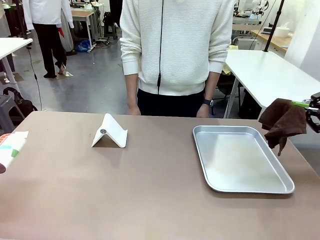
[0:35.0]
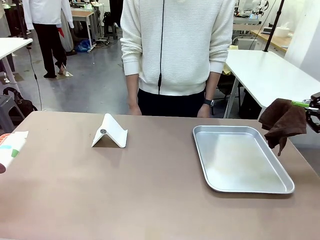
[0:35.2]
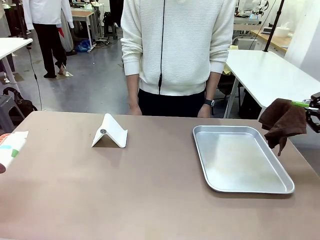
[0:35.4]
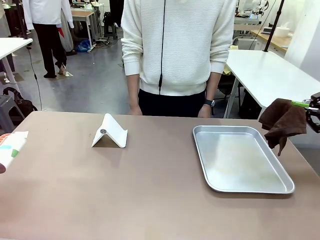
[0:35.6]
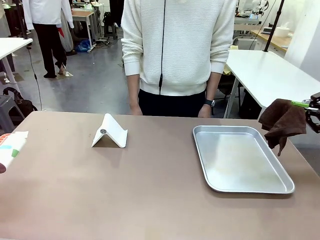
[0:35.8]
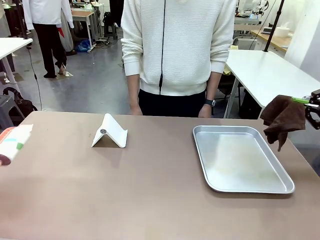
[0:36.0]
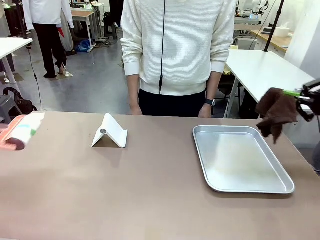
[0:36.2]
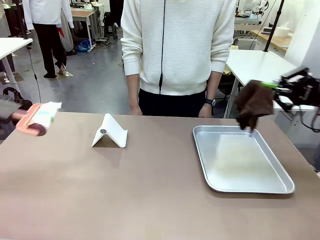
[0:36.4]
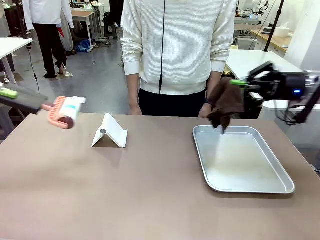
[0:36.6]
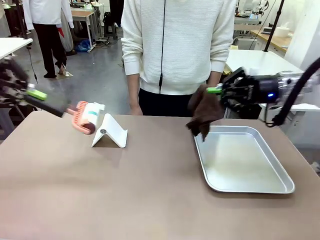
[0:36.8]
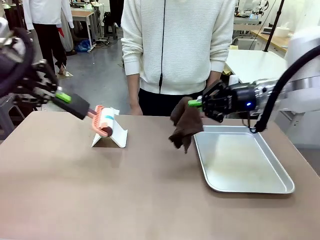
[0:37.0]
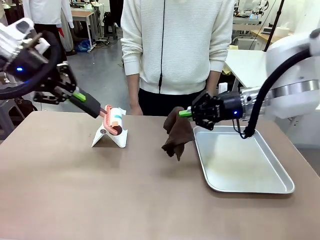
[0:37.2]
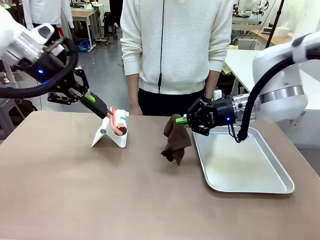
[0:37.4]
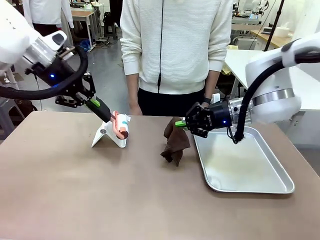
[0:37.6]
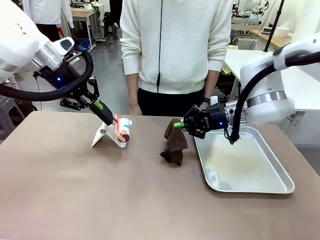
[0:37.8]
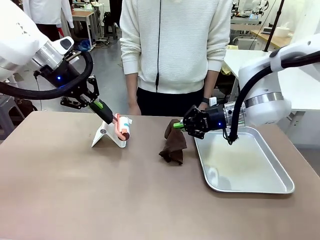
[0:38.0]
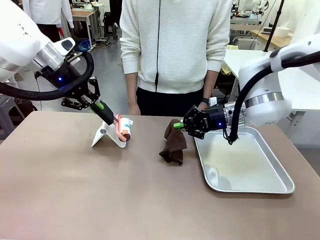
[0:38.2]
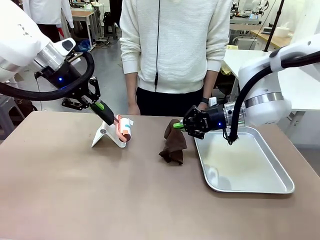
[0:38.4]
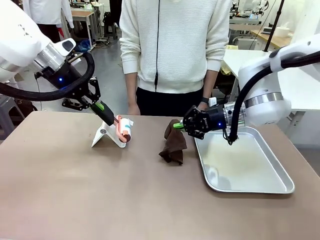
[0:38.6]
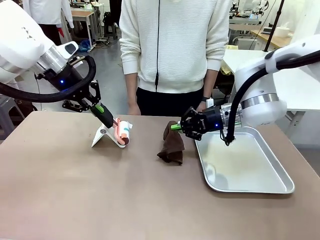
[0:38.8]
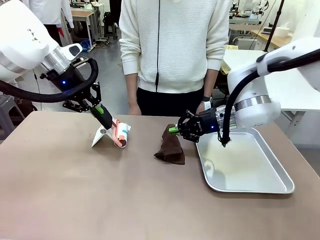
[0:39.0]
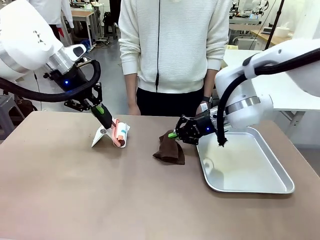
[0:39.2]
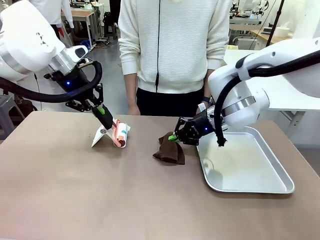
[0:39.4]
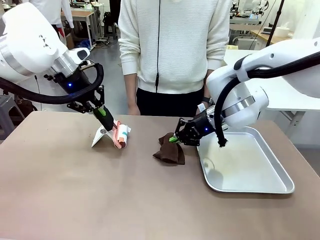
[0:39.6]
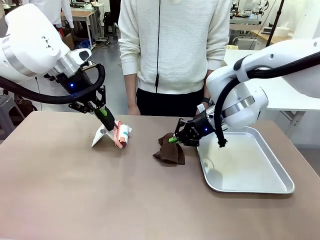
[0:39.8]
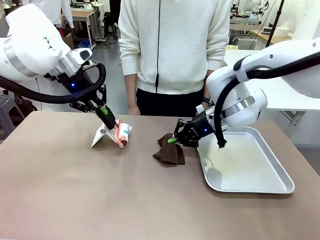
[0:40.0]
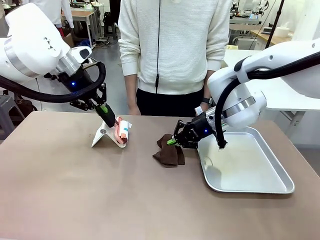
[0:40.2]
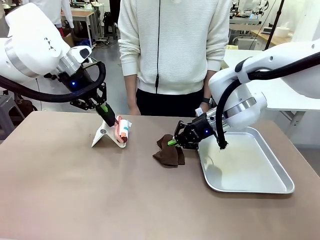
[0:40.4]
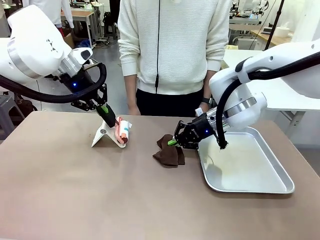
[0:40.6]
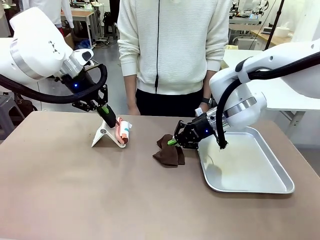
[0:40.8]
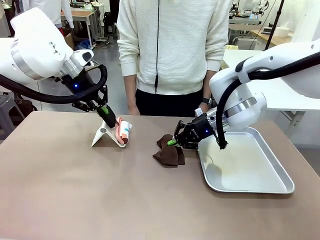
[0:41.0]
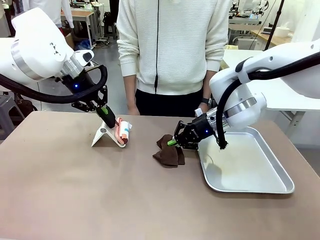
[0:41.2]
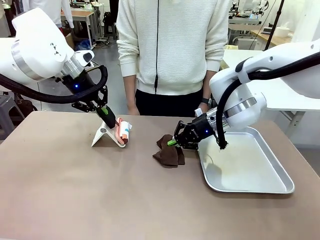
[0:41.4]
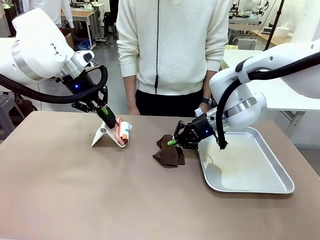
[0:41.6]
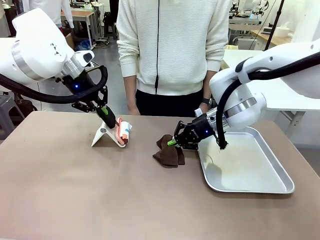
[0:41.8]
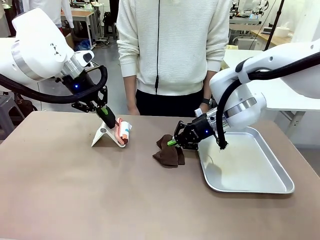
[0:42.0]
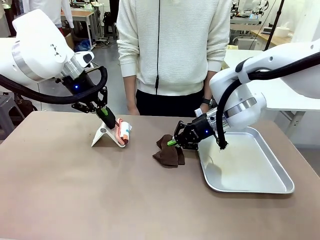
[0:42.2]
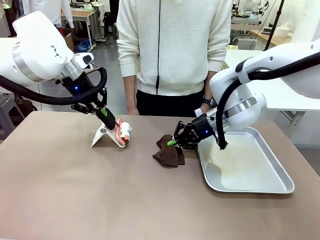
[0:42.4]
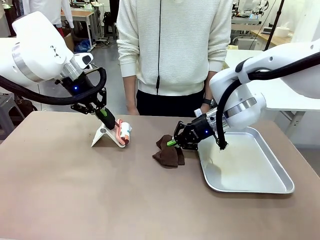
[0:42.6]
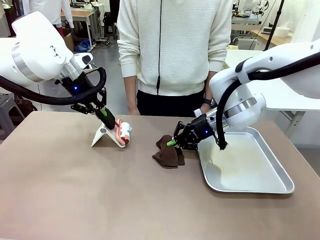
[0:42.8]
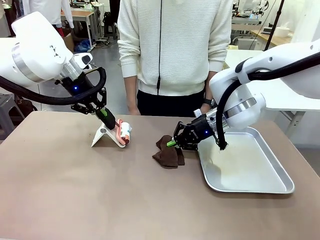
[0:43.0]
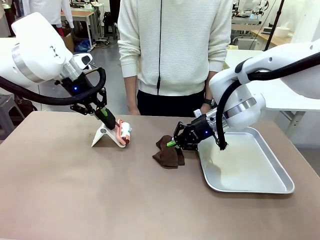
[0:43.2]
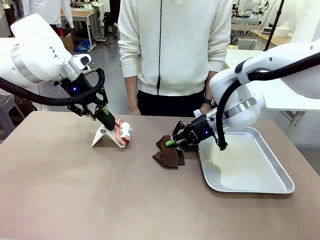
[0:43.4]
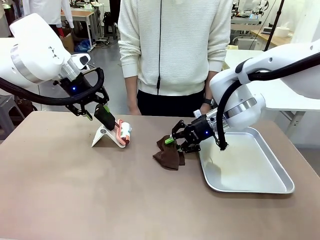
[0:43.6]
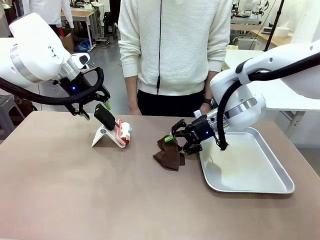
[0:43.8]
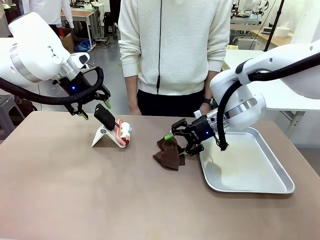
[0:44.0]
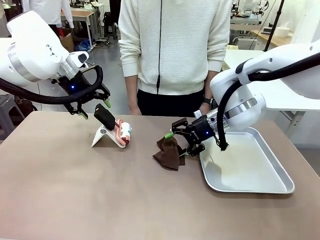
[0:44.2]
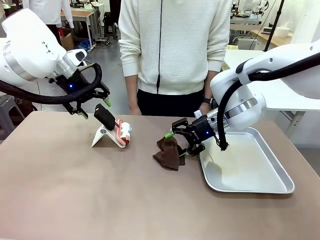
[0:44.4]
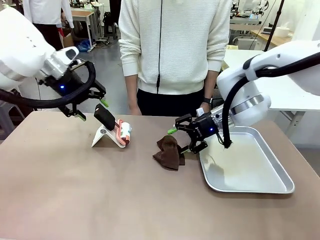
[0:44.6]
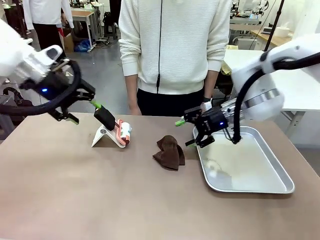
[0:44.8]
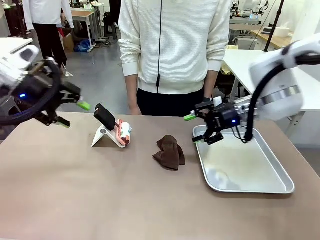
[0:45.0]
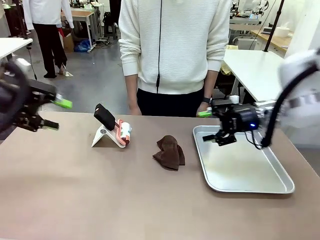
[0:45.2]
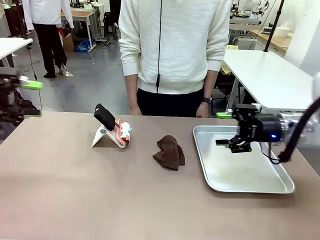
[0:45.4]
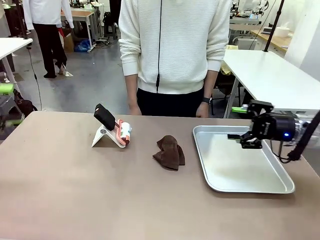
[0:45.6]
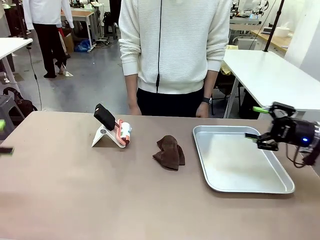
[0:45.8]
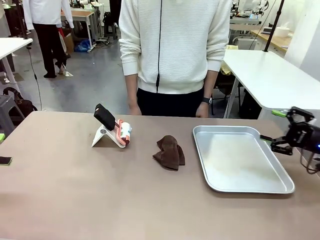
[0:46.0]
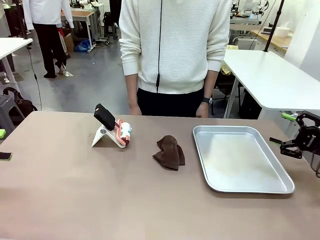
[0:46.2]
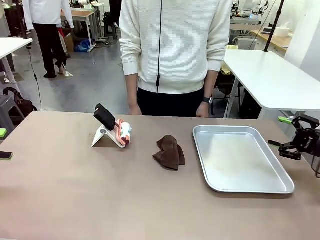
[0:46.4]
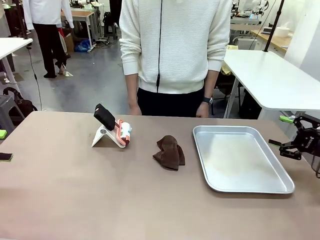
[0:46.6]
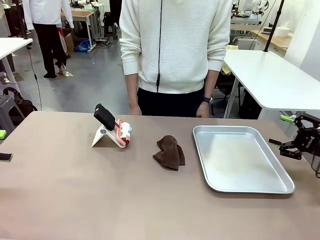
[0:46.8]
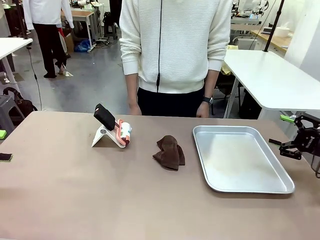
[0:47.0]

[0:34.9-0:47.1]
Task: Clean the surface of the table.
Robot: Return the Lint Roller and towel to their original positions.

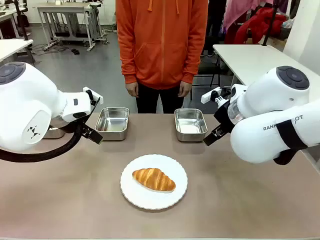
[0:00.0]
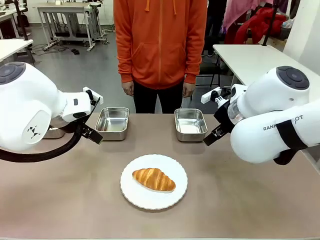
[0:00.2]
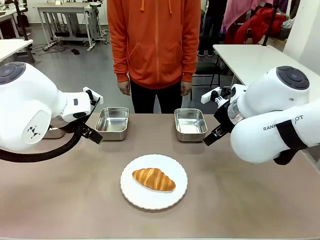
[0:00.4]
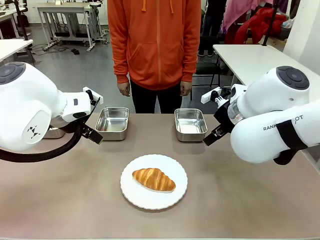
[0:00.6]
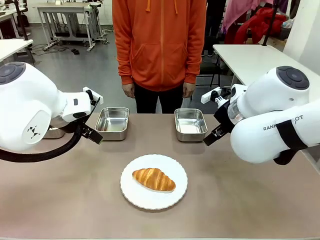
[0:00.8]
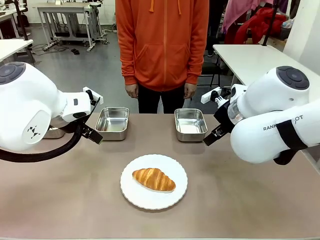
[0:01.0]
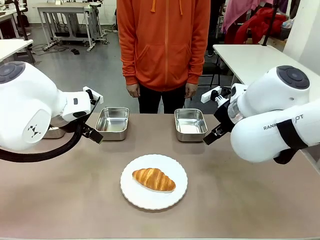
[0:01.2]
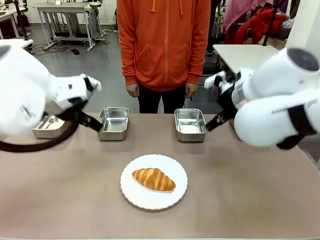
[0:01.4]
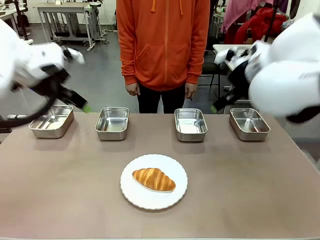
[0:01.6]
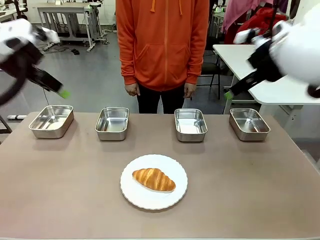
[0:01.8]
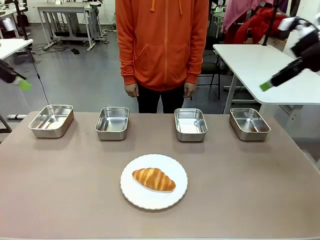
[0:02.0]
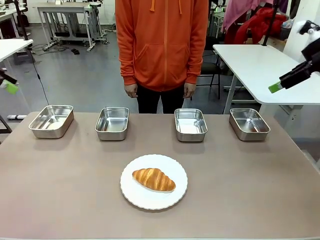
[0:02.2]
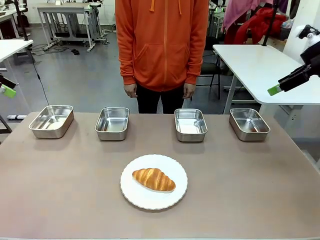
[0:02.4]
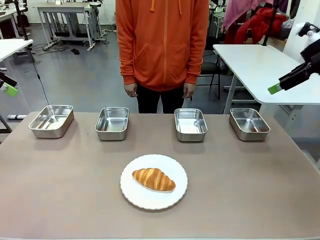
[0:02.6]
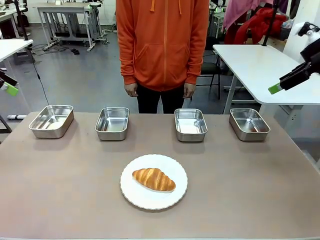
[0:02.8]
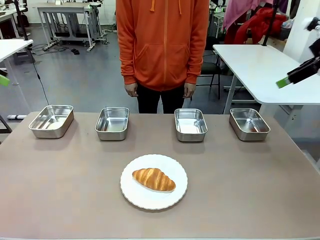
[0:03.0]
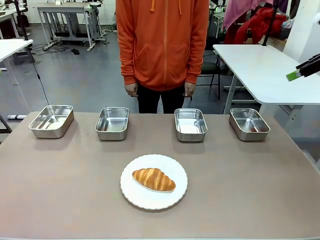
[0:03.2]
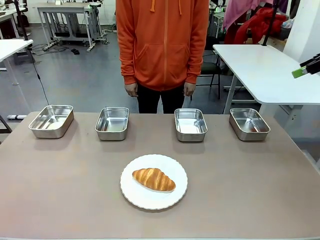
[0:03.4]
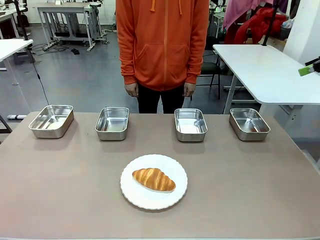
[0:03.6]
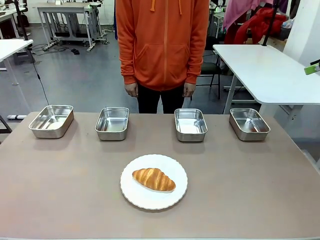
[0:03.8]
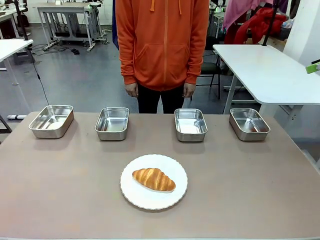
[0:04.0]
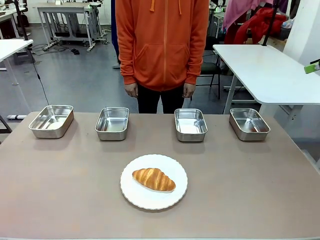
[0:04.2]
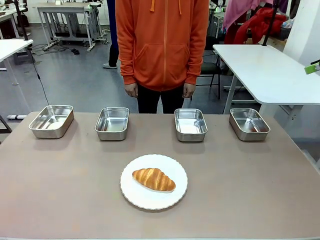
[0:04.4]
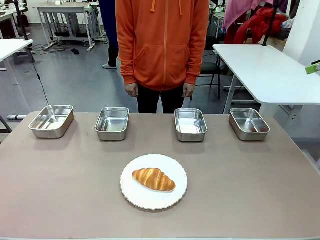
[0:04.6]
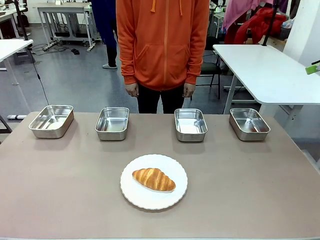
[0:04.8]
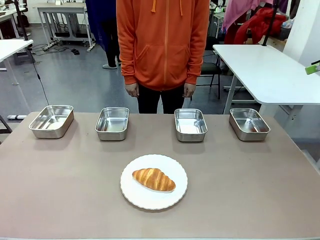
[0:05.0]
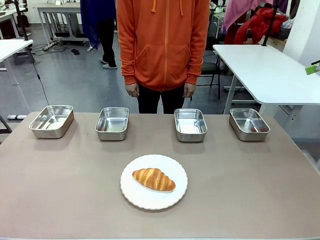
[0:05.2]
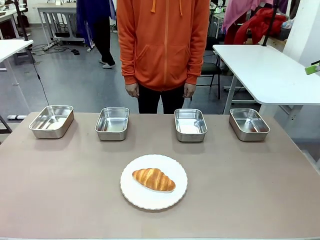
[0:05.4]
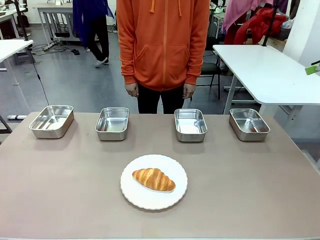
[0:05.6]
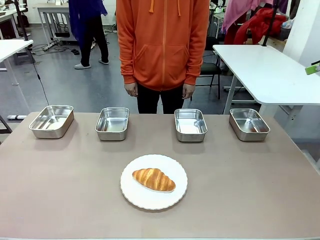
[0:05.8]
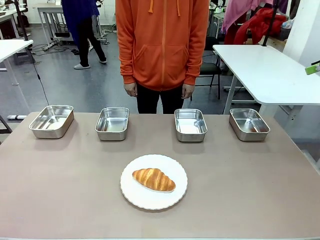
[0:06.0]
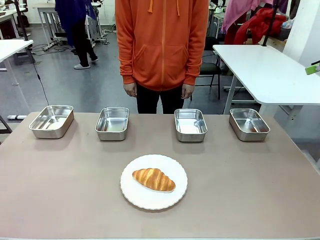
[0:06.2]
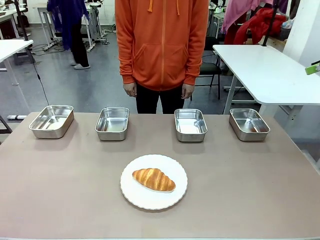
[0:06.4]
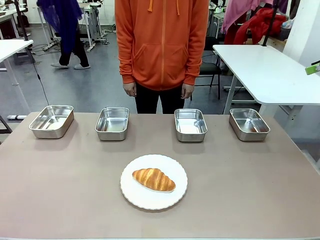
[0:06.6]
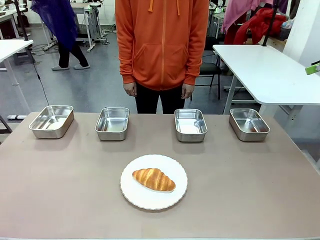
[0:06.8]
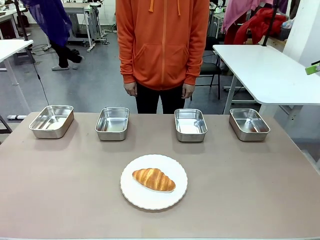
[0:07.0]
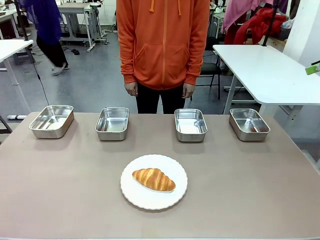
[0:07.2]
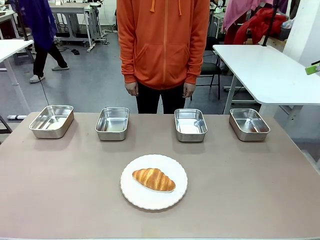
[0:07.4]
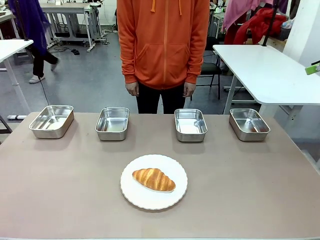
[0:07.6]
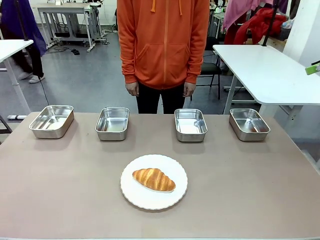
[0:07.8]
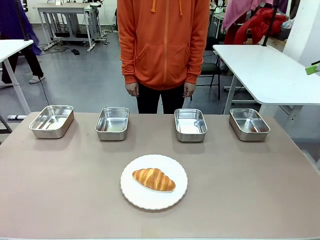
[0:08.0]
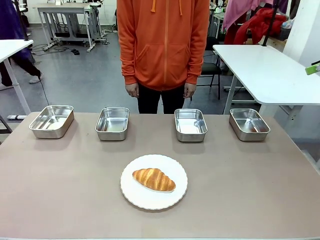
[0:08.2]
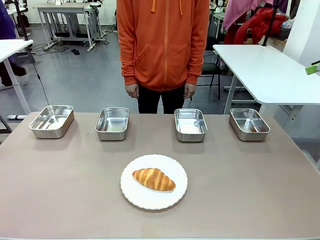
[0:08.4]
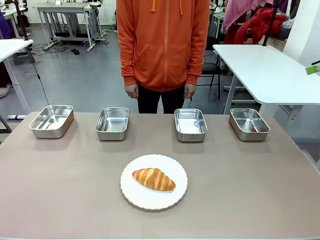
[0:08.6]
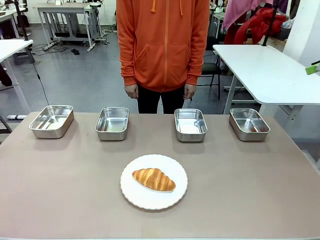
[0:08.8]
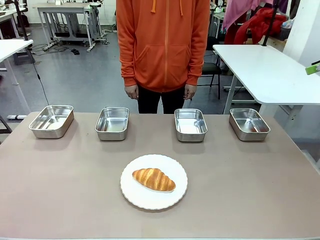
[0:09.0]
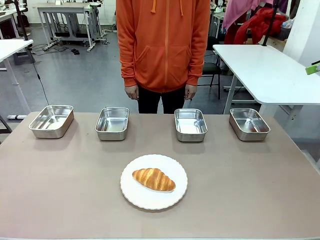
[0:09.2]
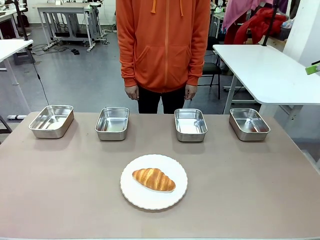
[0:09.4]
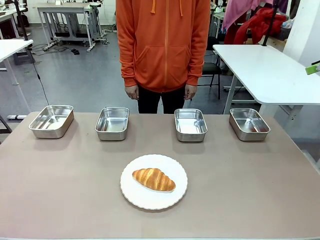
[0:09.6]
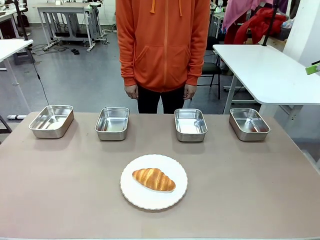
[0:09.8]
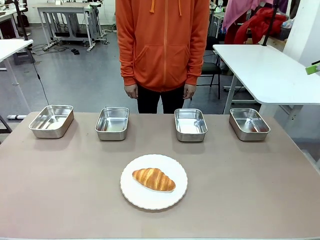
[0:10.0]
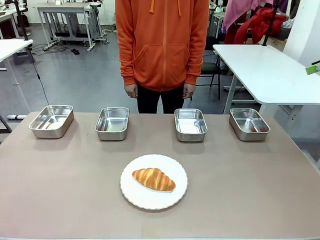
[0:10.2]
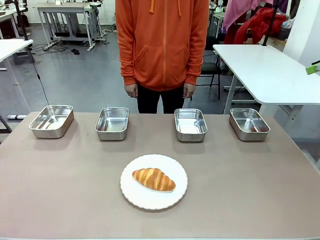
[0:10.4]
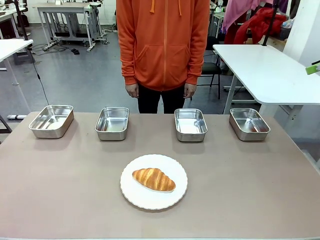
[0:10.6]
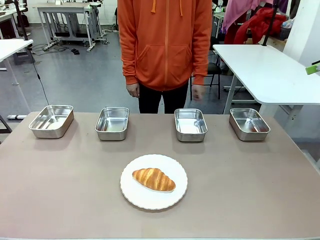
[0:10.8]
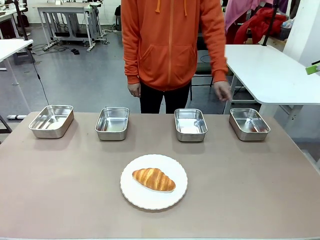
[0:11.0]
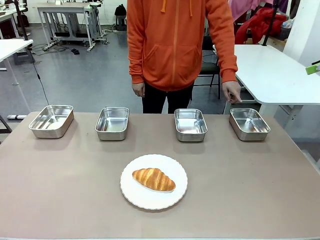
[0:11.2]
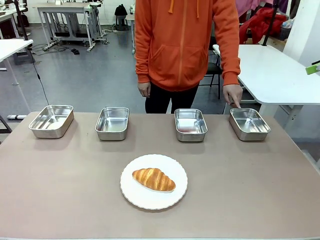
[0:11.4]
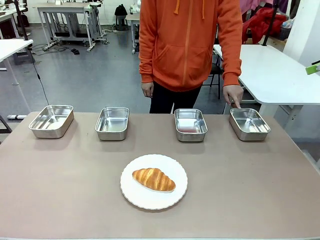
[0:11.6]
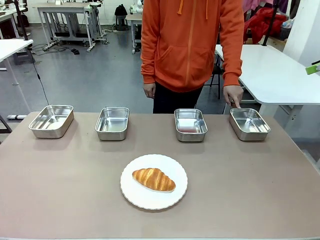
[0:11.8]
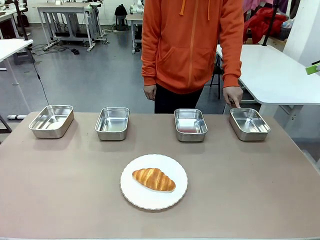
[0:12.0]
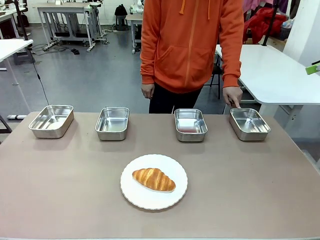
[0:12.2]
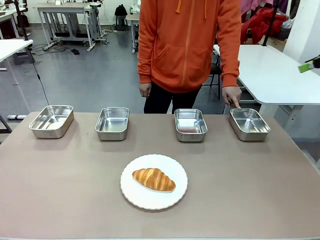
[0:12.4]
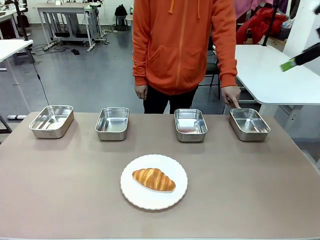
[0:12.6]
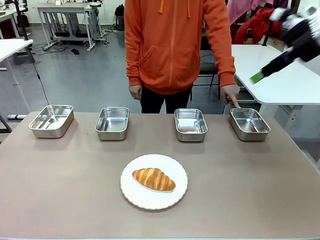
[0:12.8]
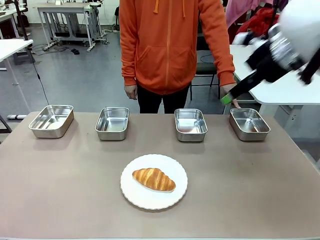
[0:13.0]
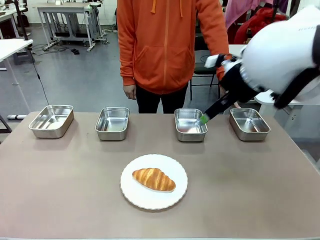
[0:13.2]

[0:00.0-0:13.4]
Task: Place the bread in the container.
Robot: Place the Butter Roll into the Airtight Container indicated by the human.
